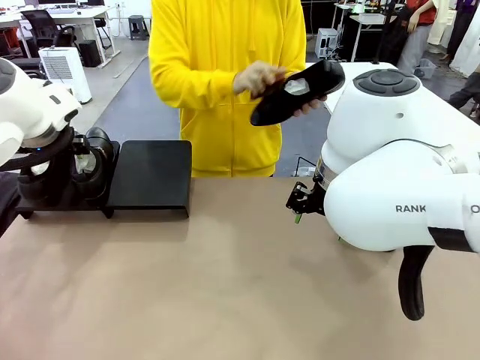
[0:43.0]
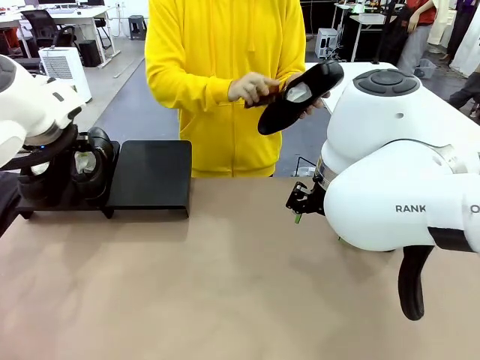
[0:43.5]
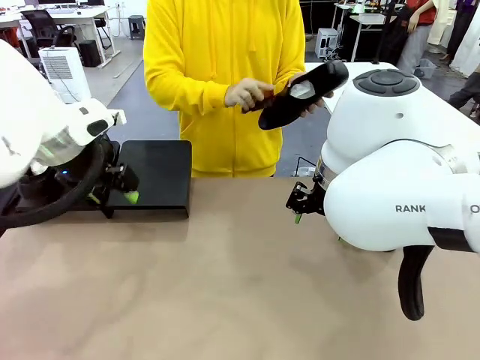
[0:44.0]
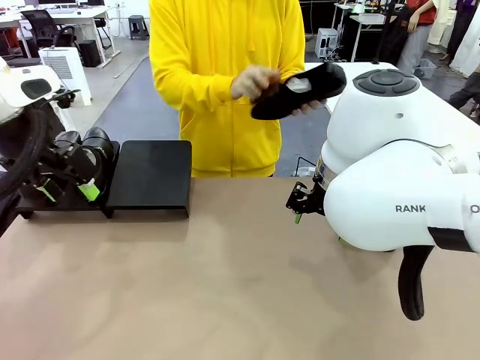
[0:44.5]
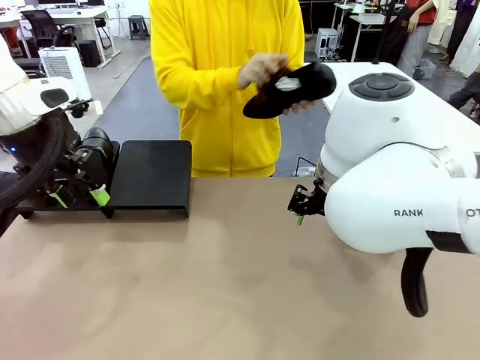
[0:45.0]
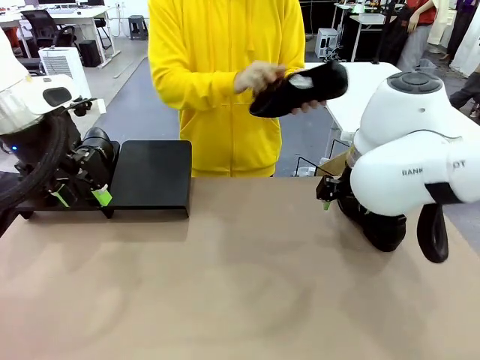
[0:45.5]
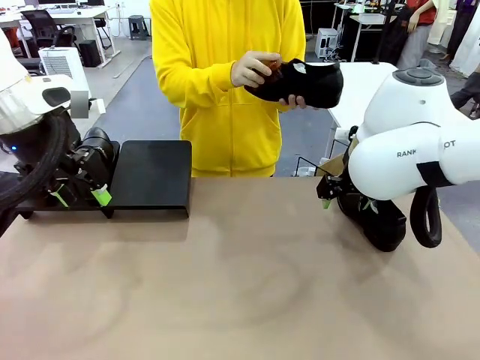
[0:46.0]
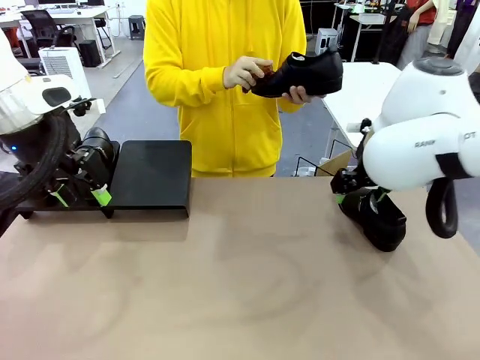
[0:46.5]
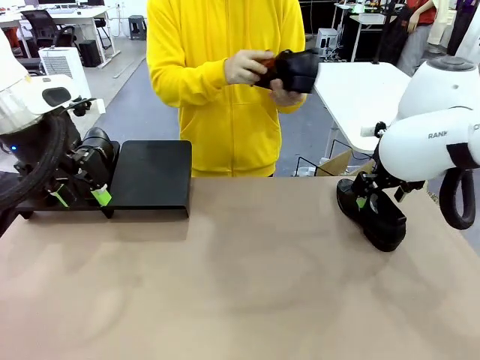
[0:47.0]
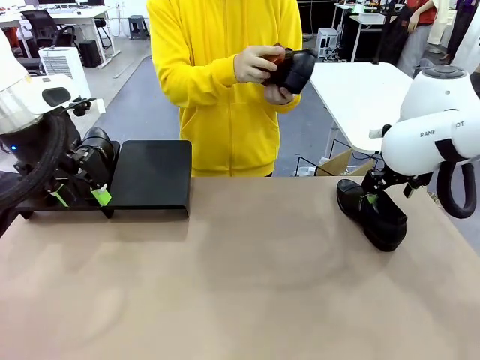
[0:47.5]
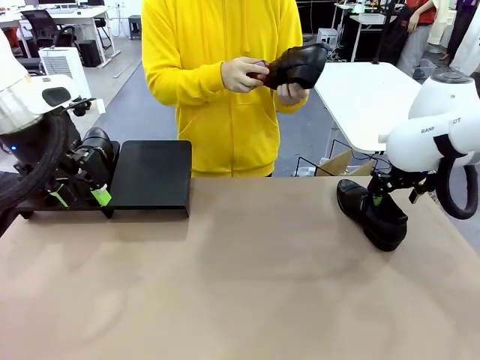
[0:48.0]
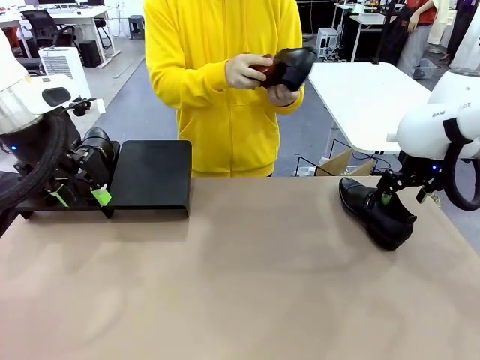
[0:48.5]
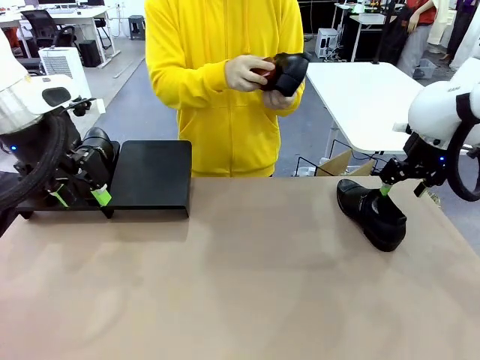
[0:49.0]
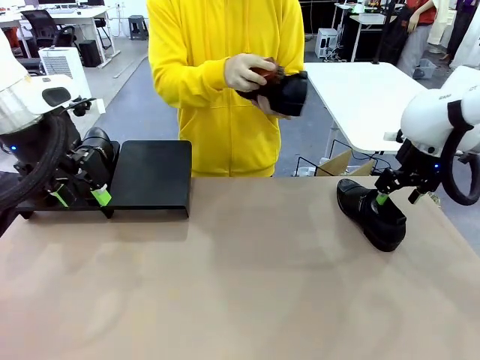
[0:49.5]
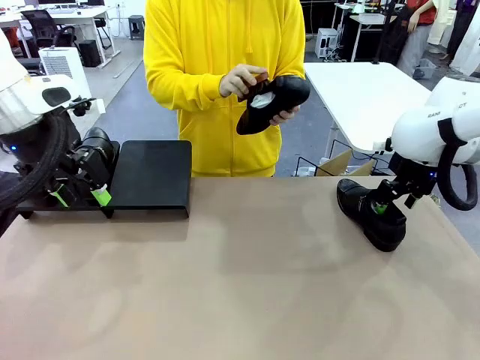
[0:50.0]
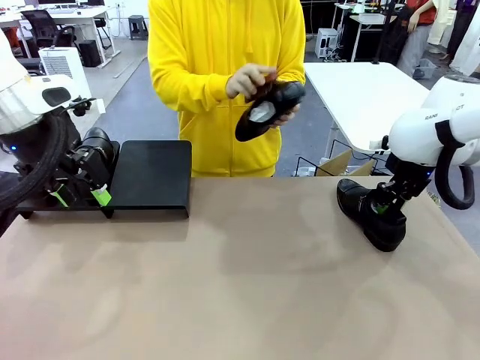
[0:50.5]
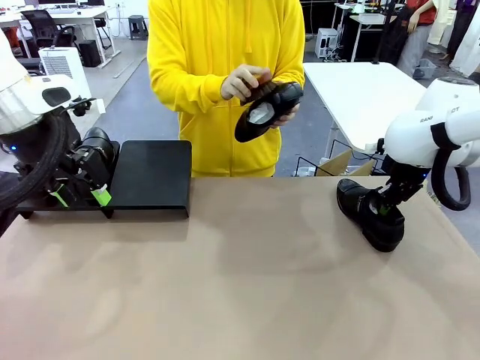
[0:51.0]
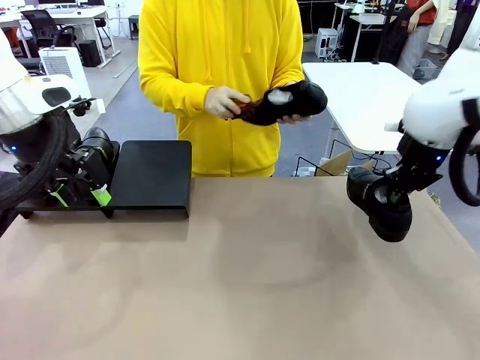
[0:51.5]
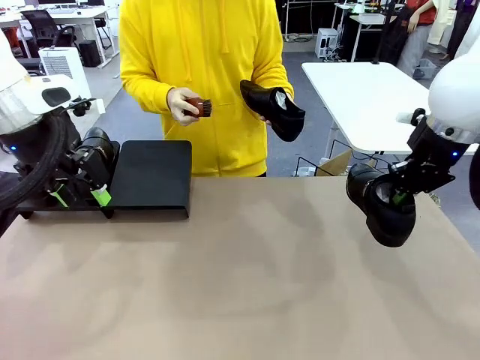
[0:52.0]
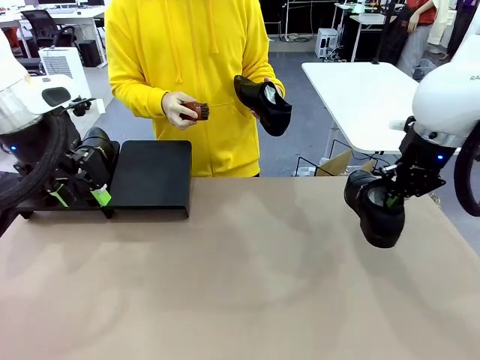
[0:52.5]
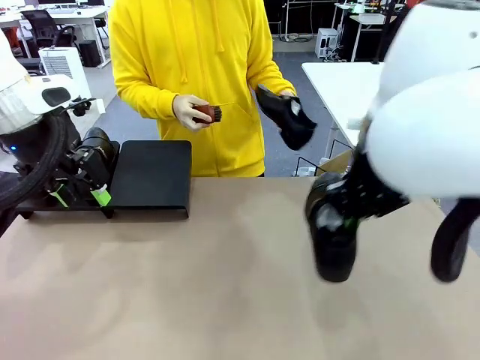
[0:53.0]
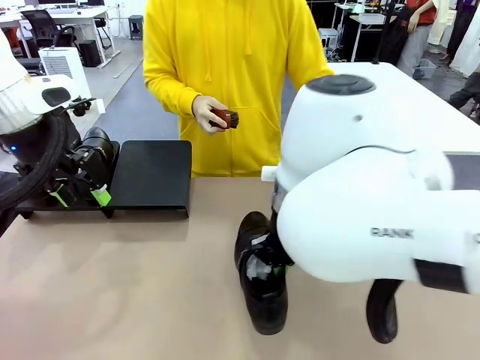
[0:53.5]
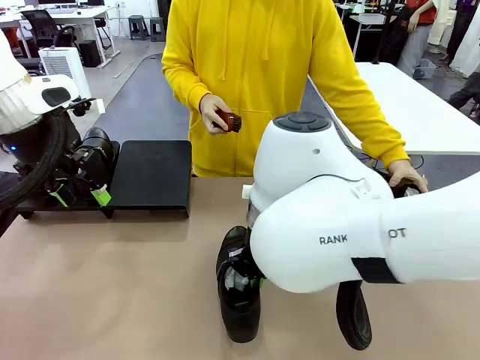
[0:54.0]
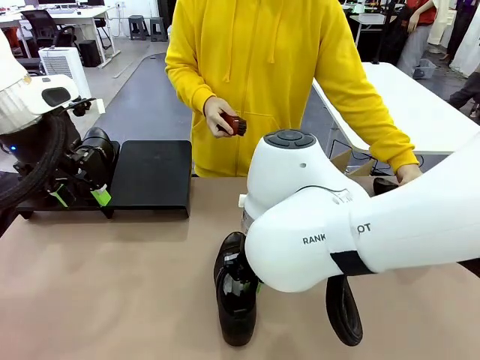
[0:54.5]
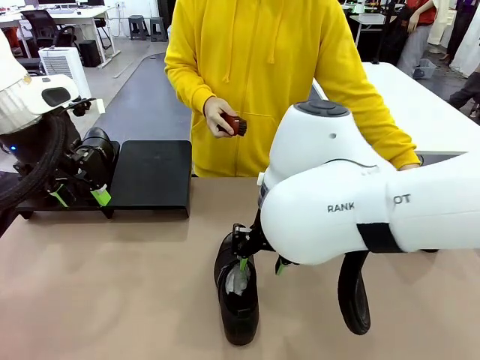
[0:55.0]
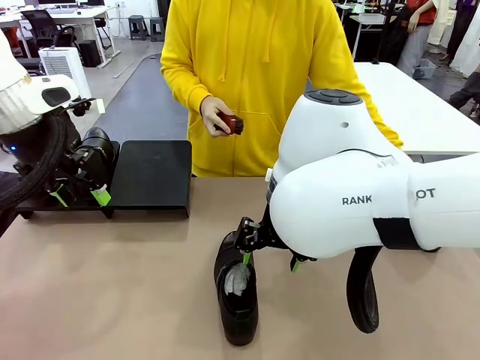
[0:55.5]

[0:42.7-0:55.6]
Task: Organize the shoes by placing them on the stand.
Robot: Pick up one Shoe and place it in the middle of the table.

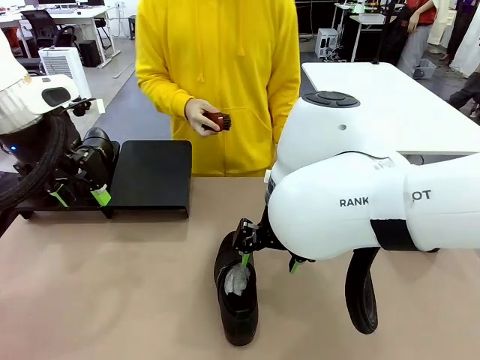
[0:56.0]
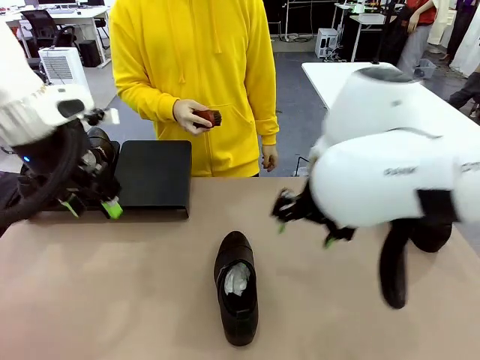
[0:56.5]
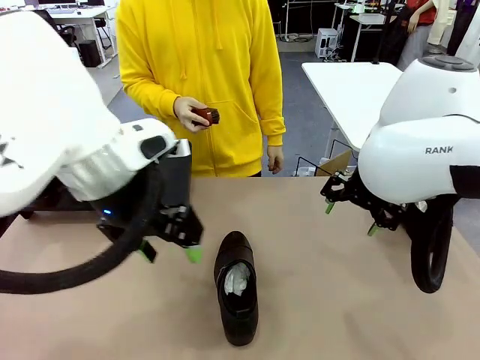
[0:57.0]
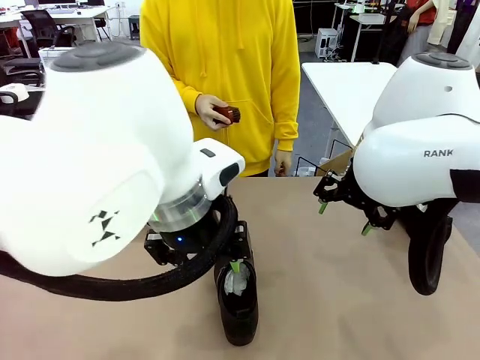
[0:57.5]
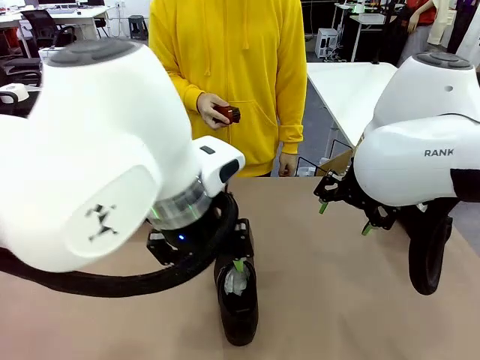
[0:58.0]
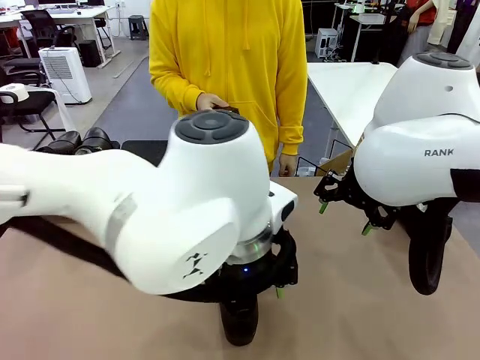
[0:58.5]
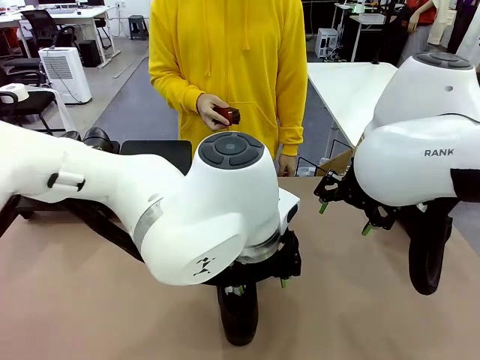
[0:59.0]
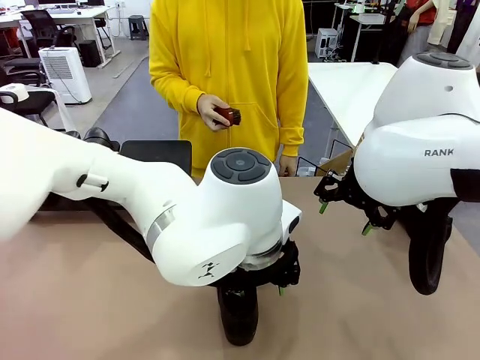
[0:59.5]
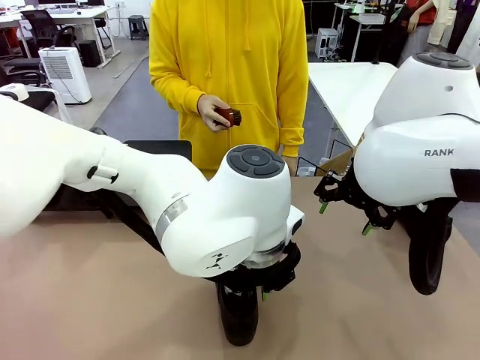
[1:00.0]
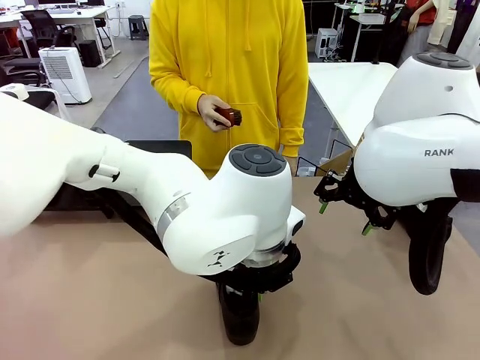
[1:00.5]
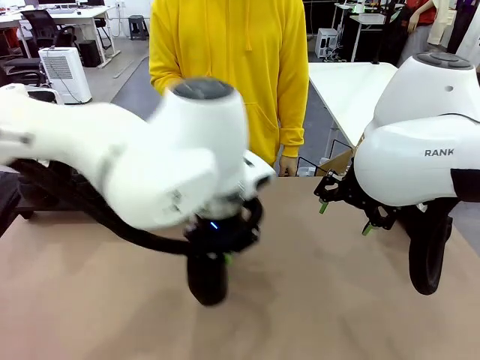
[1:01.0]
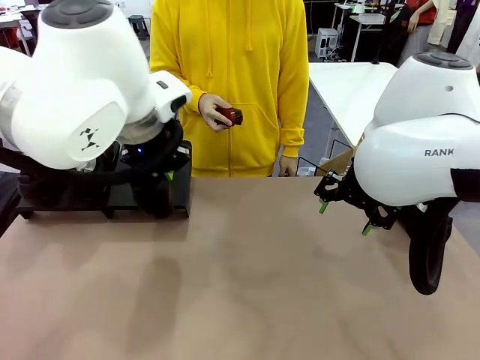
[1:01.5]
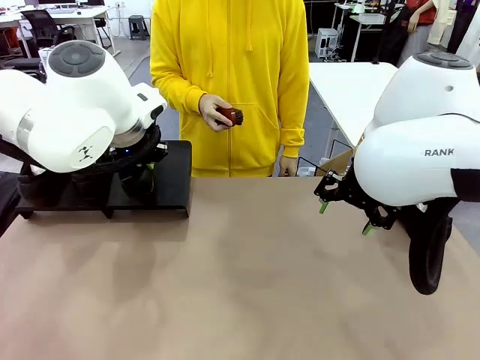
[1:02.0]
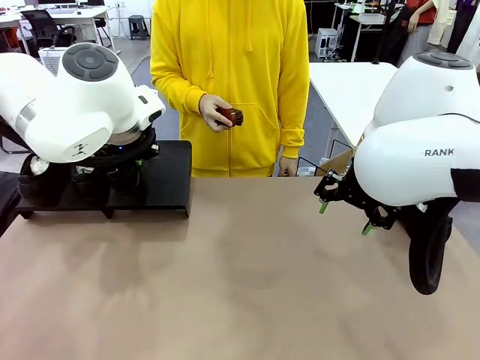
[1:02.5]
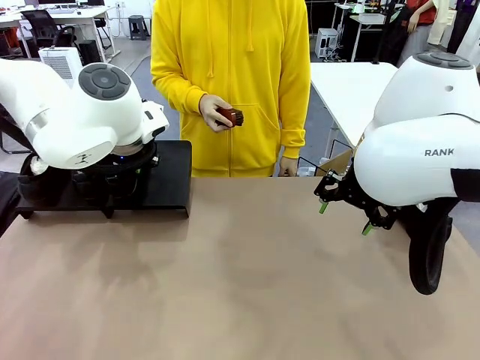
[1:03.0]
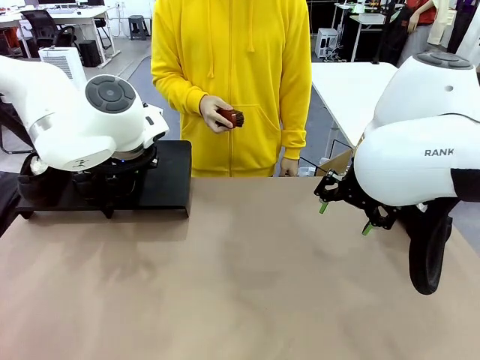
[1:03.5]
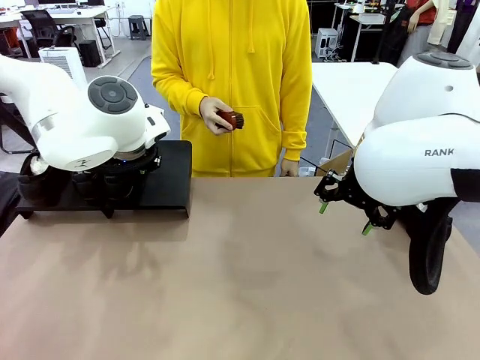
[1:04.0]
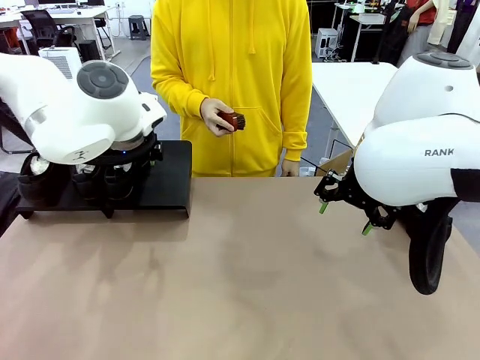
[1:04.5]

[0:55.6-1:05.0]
Robot: Place the Shoe from the middle of the table onto the Shoes Stand.

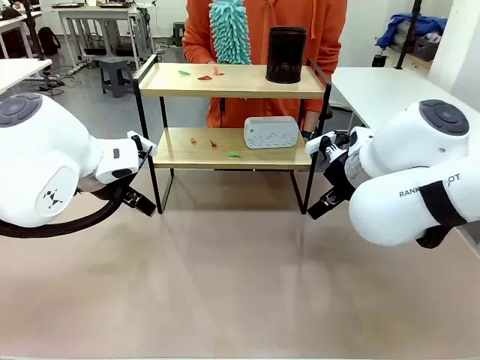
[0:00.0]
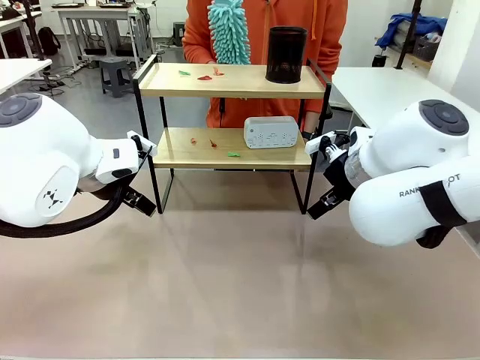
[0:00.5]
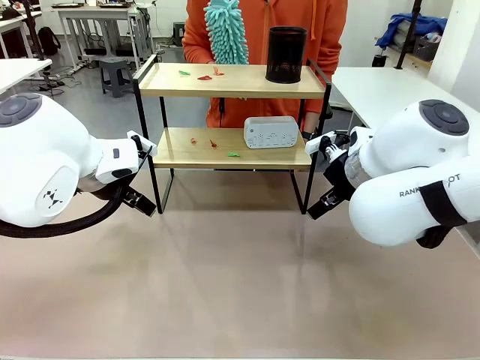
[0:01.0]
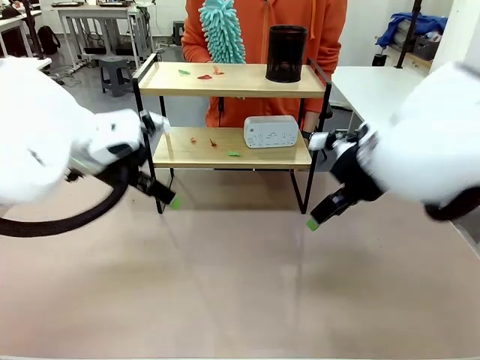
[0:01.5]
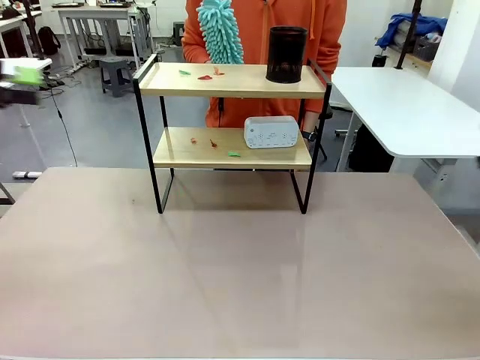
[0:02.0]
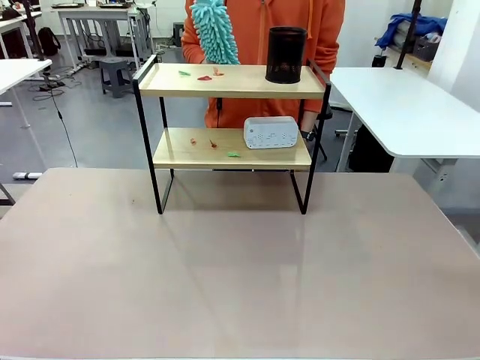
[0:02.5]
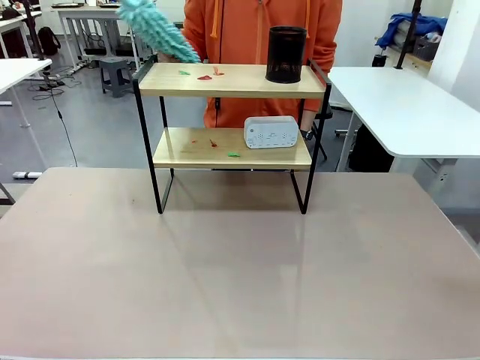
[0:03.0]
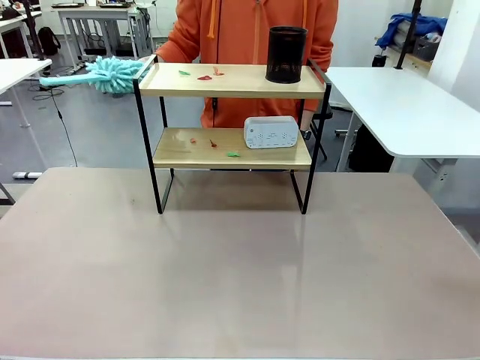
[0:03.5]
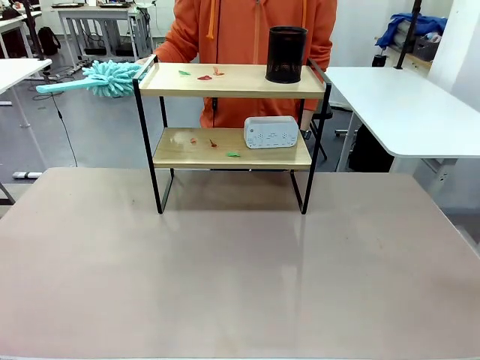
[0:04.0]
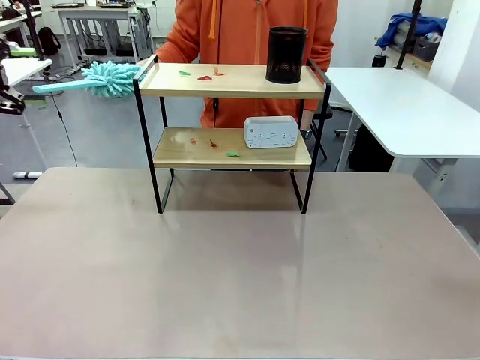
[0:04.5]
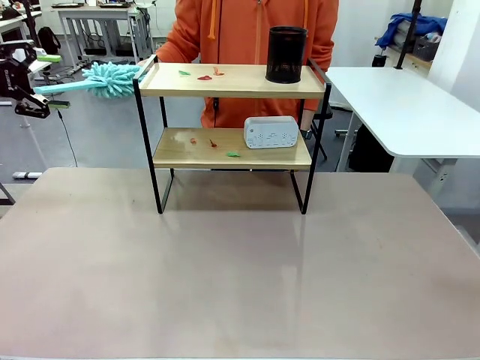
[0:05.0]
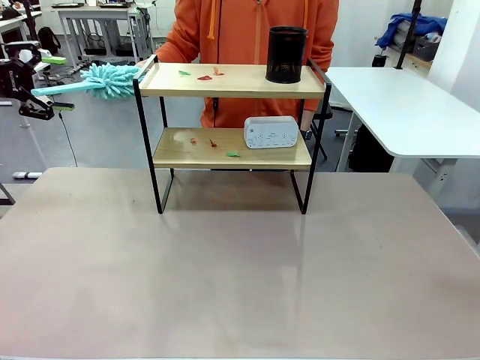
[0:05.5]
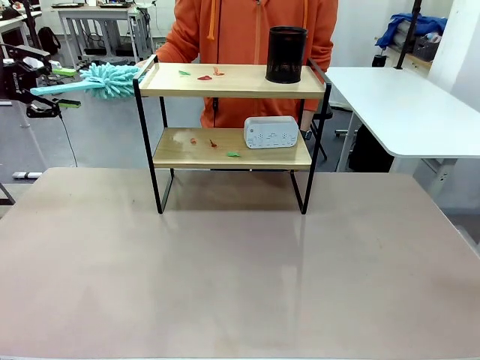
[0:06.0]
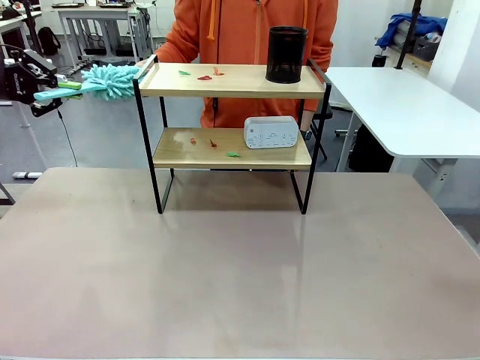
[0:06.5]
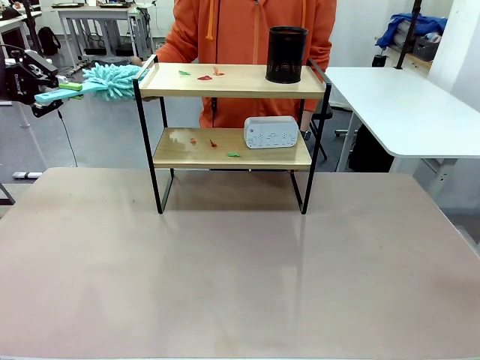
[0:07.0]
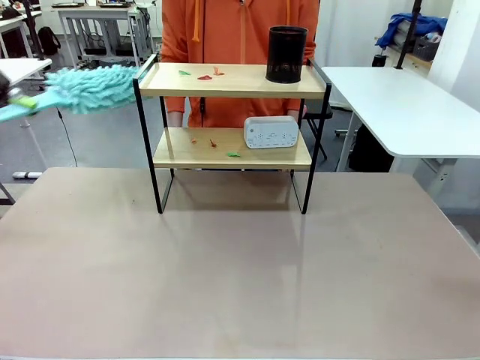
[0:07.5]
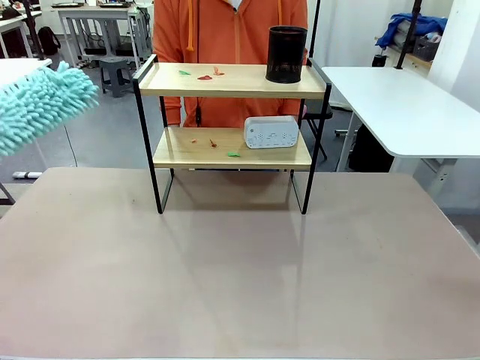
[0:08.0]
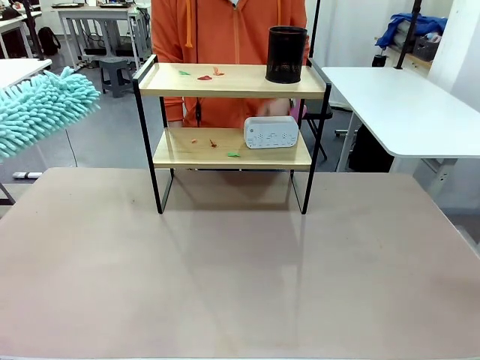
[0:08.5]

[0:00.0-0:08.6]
Task: Clean the shelf.
Robot: Pick up the Duster from the human.
Person: Hand the Duster to the robot.
